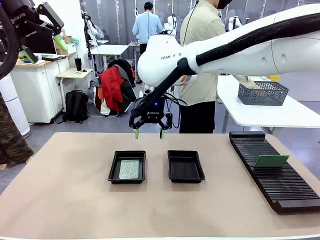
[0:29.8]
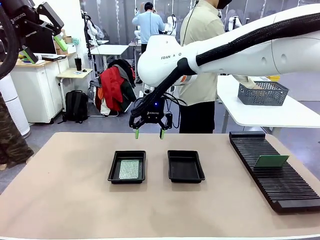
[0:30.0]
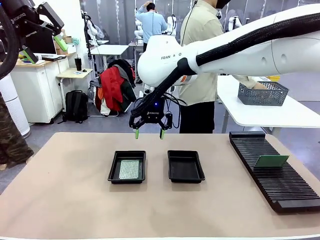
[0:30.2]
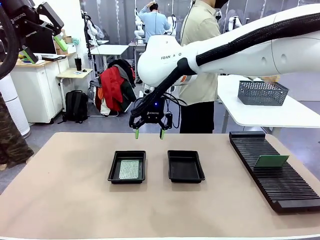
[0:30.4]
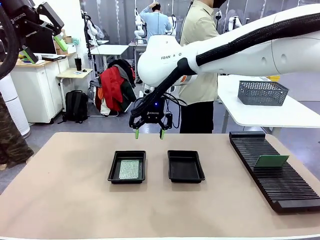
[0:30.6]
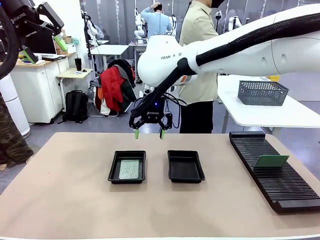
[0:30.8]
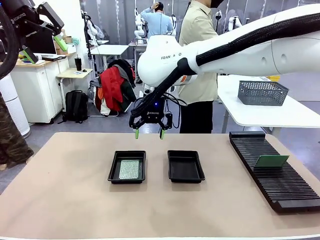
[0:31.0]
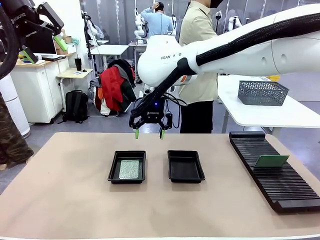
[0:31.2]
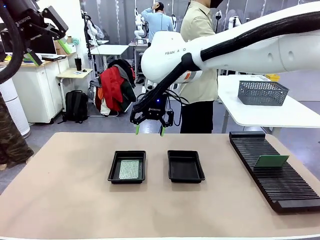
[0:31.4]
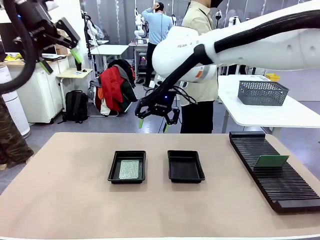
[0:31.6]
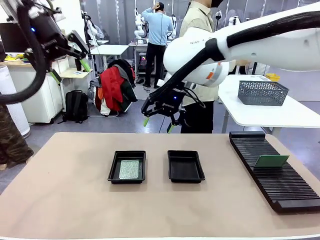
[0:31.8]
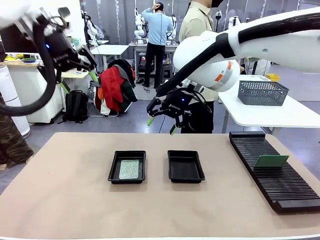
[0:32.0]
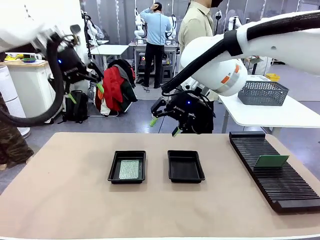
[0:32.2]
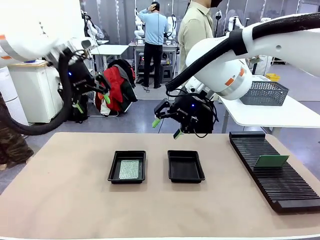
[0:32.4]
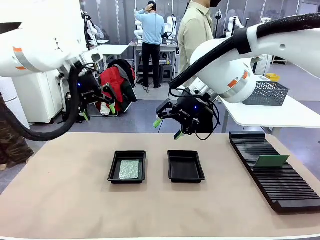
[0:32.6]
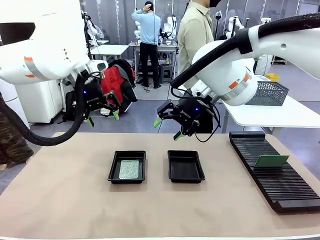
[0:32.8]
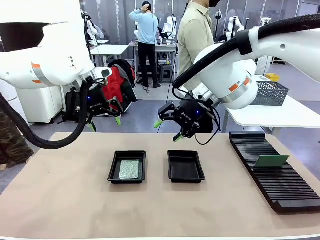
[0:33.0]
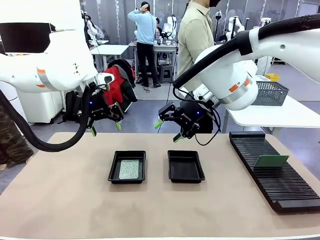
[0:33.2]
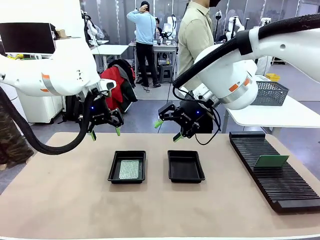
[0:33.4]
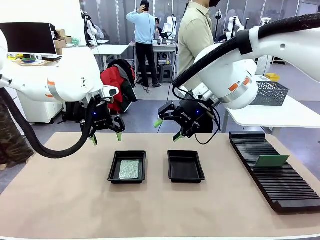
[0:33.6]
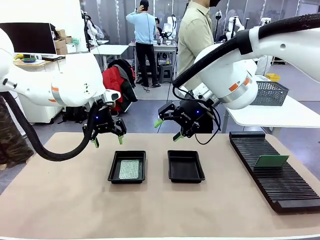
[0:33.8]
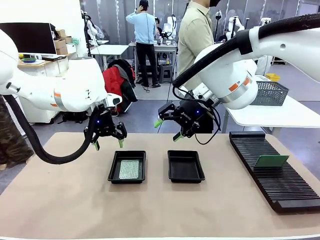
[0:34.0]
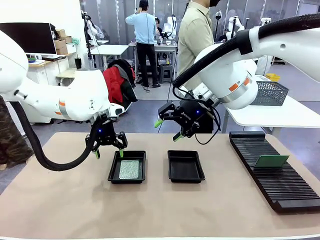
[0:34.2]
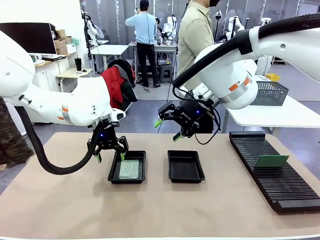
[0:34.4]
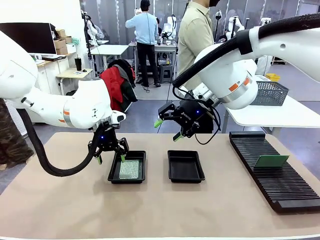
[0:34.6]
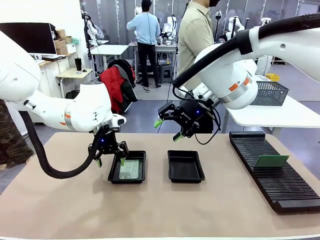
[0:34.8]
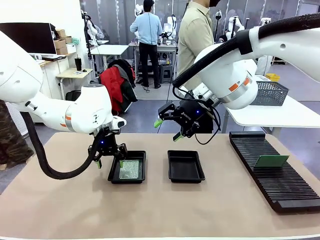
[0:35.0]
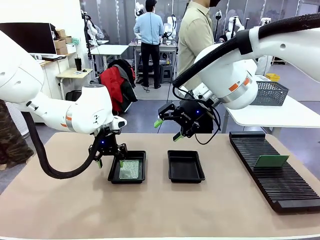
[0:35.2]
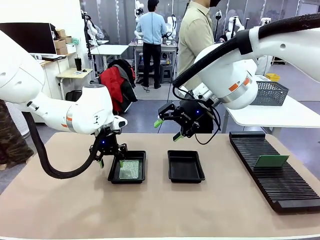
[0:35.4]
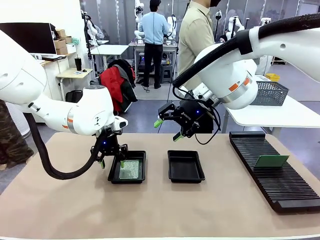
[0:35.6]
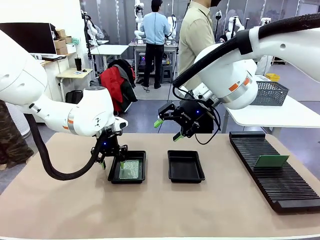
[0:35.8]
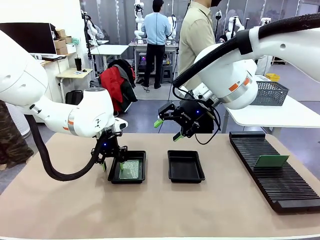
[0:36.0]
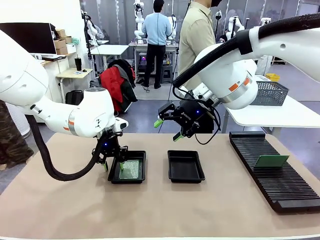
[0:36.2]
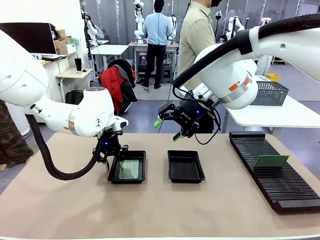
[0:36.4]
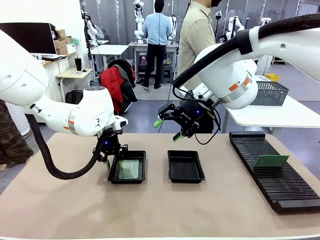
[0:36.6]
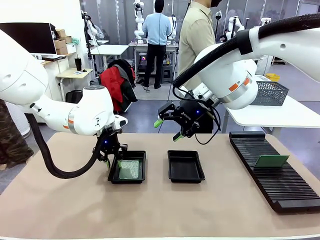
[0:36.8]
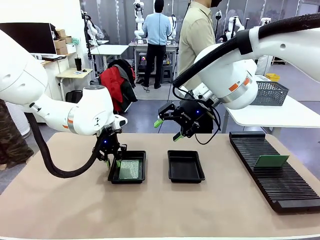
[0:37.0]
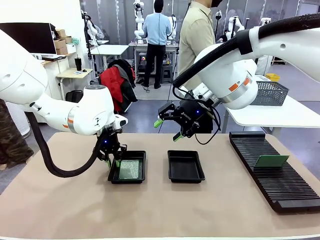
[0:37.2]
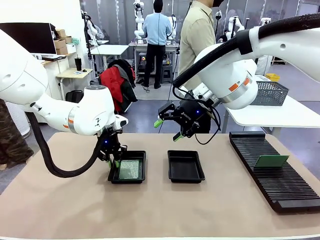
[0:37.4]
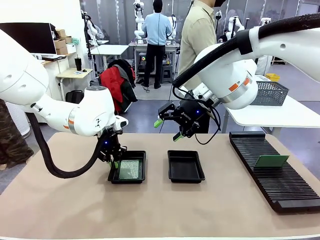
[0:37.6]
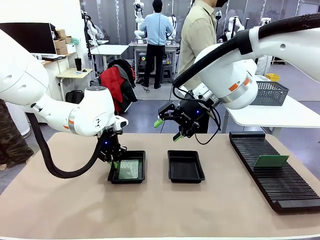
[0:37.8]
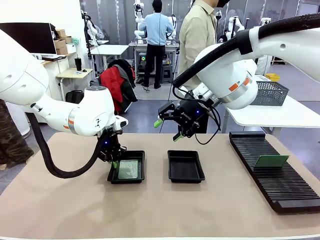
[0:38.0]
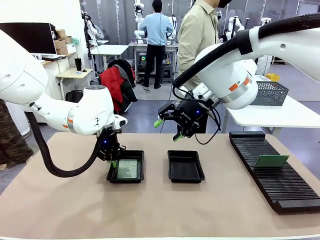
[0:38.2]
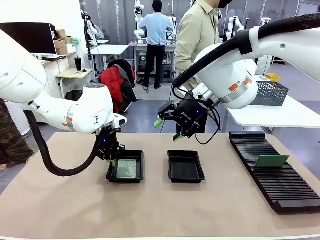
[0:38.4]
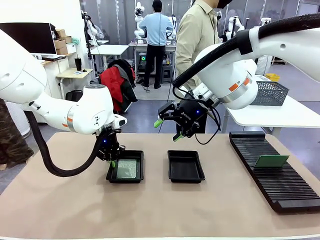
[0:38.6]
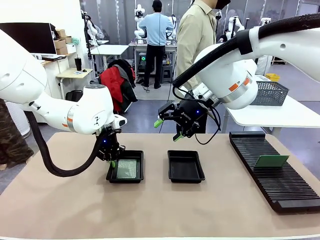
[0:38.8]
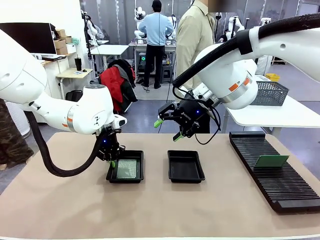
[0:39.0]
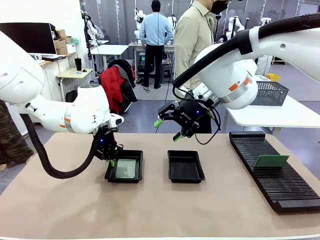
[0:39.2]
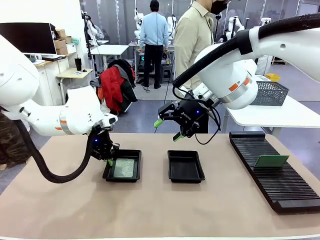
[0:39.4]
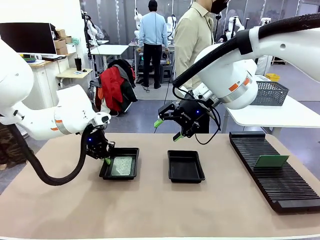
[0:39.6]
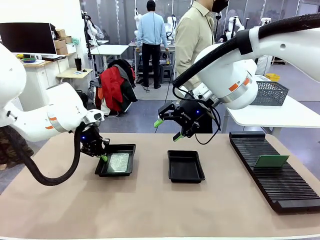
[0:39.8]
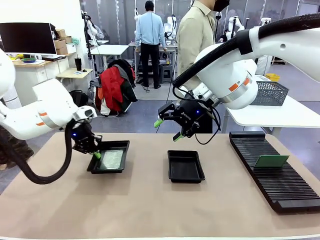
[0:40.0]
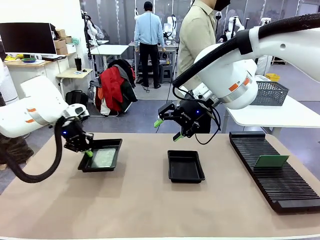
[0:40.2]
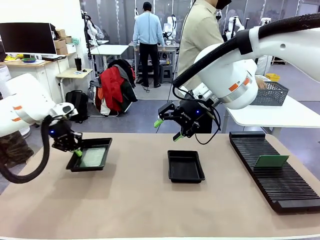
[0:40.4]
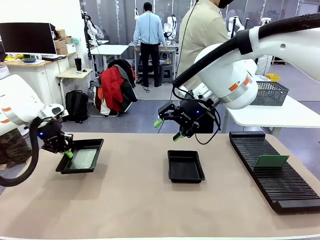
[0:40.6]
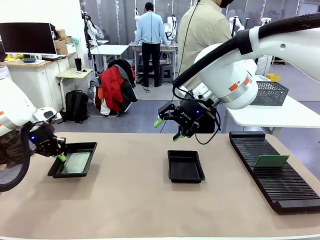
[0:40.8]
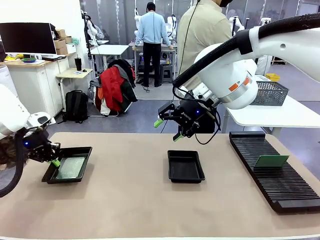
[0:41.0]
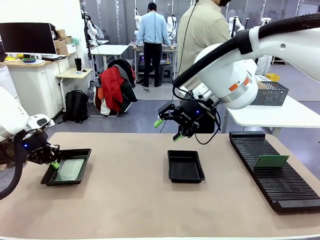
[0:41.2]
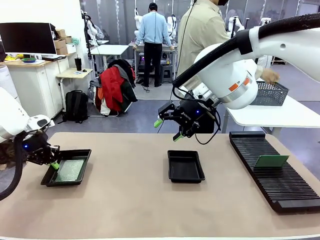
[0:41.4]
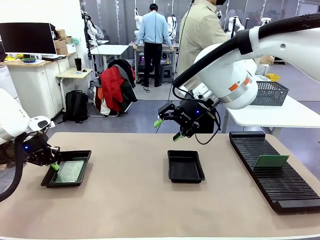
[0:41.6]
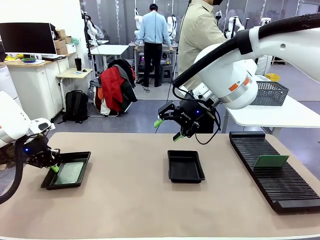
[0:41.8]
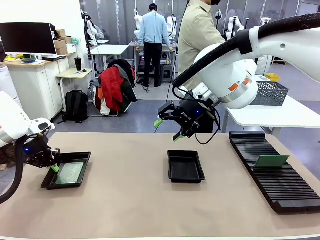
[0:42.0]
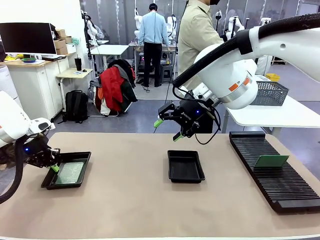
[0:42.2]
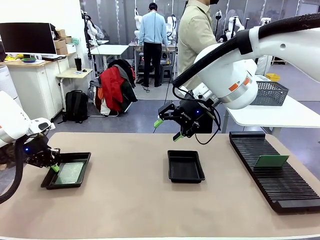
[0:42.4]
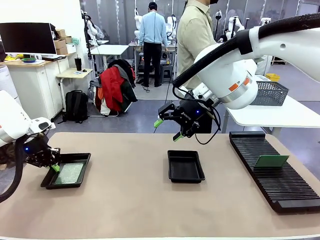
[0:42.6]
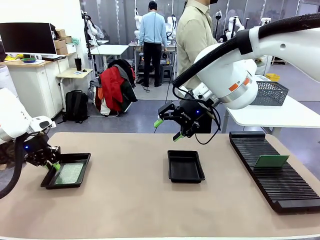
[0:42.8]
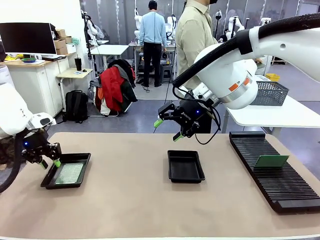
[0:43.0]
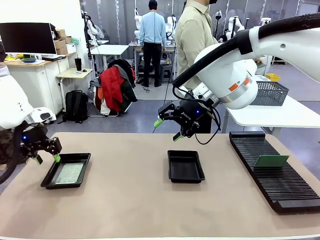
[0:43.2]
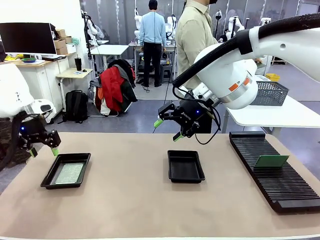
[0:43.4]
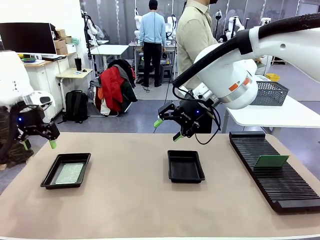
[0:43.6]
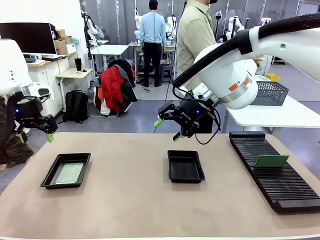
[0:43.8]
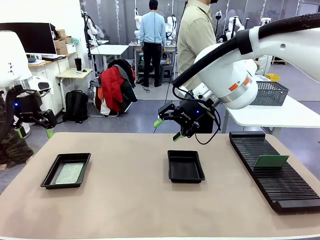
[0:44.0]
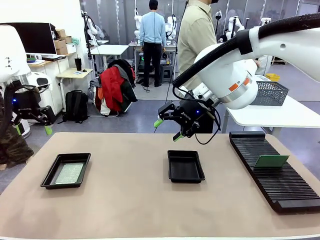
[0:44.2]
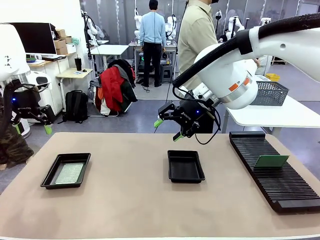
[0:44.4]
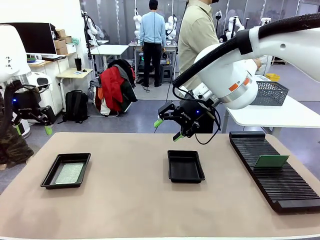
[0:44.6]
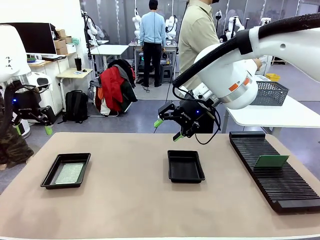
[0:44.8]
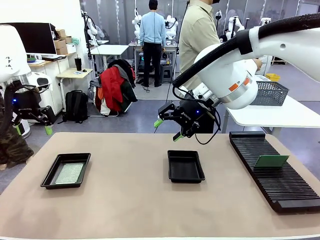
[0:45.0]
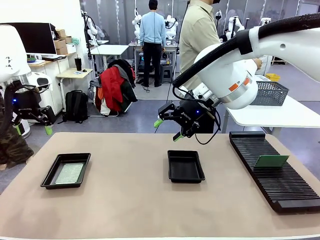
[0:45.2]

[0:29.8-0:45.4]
Task: Inspect and transfer BCBs to ESD trays.
Robot: Pick up the ESD tray and place it on the left side of the table.
